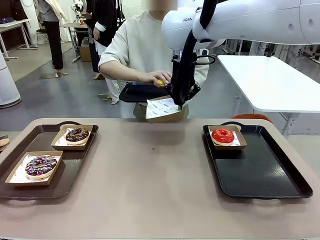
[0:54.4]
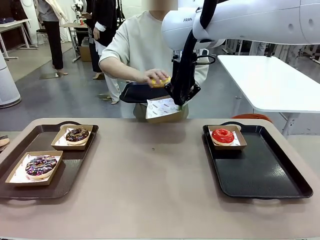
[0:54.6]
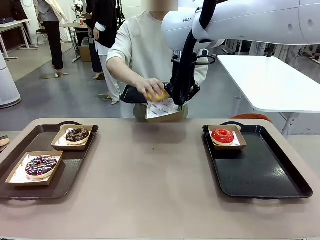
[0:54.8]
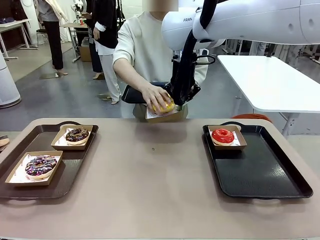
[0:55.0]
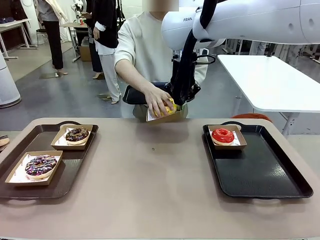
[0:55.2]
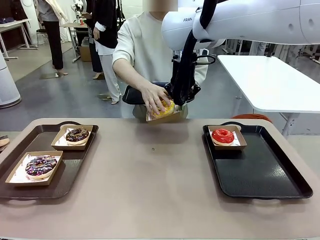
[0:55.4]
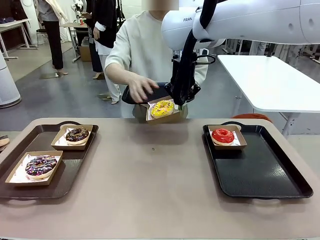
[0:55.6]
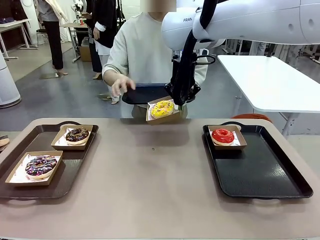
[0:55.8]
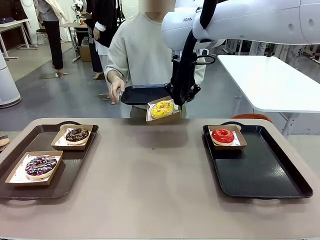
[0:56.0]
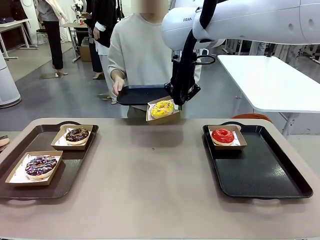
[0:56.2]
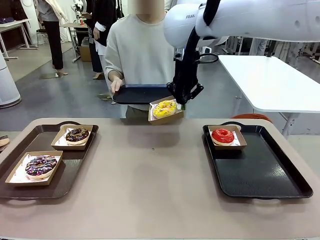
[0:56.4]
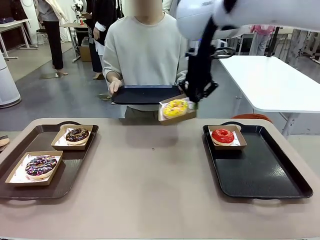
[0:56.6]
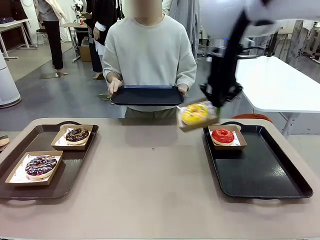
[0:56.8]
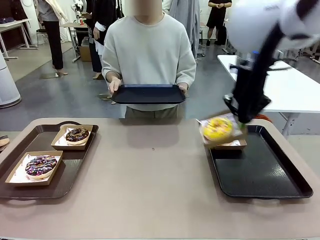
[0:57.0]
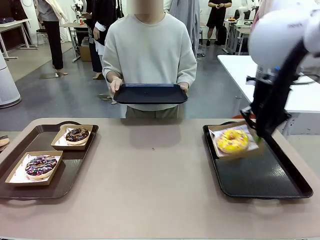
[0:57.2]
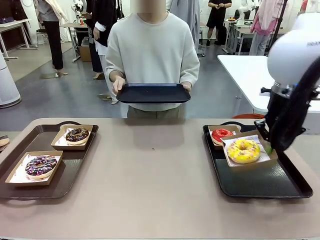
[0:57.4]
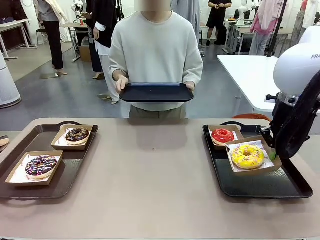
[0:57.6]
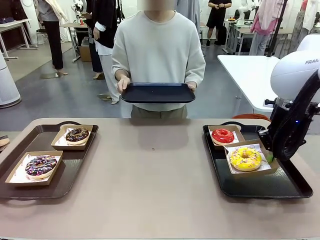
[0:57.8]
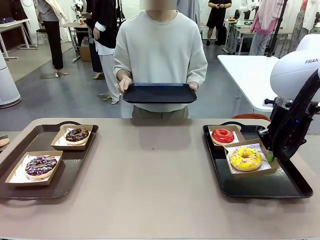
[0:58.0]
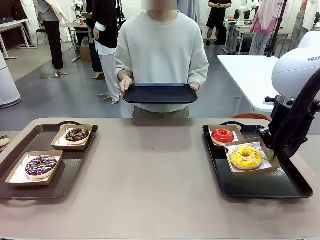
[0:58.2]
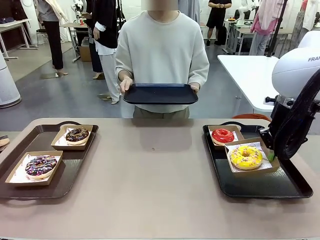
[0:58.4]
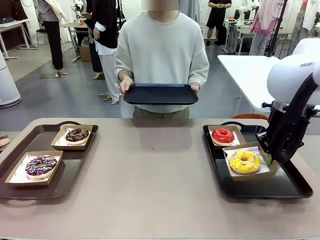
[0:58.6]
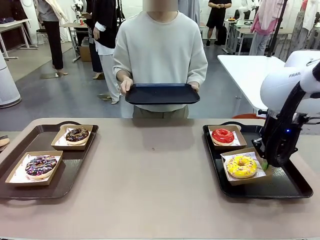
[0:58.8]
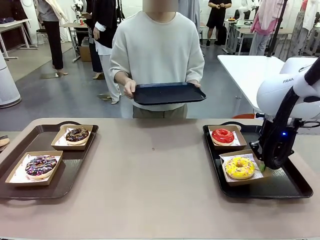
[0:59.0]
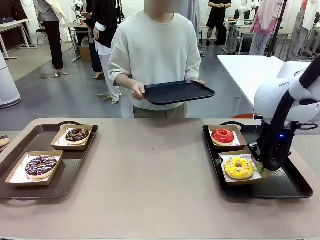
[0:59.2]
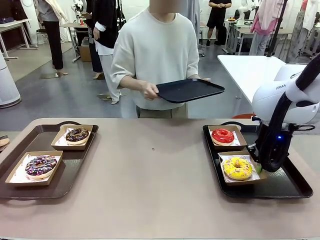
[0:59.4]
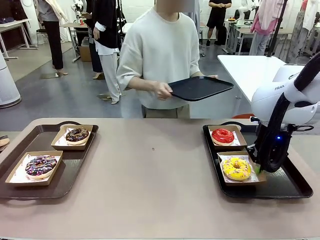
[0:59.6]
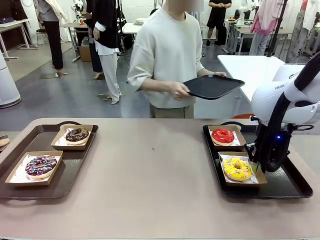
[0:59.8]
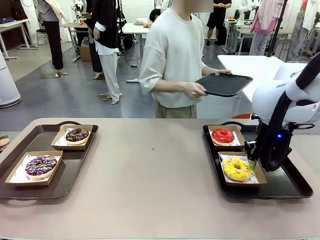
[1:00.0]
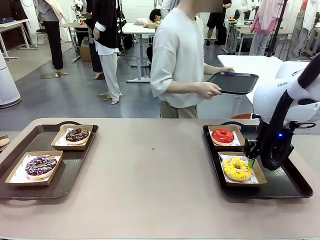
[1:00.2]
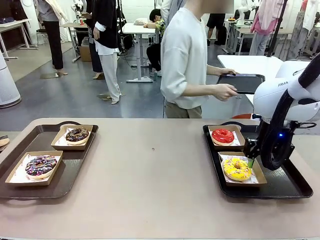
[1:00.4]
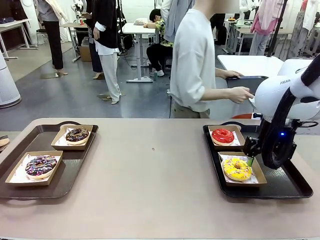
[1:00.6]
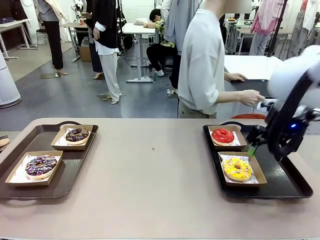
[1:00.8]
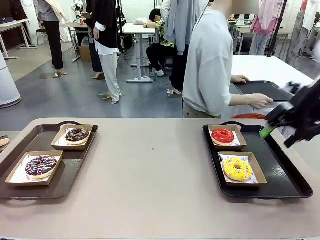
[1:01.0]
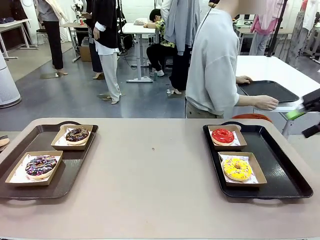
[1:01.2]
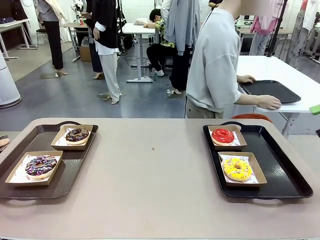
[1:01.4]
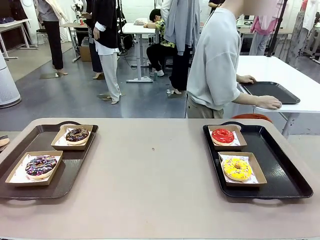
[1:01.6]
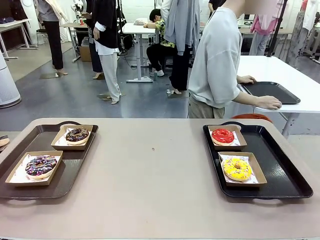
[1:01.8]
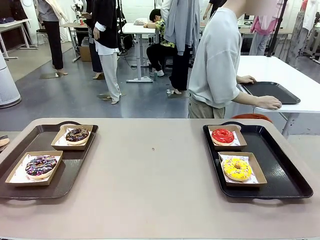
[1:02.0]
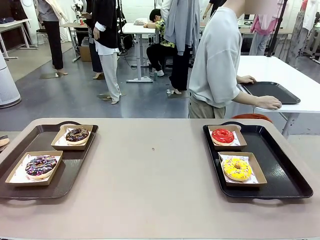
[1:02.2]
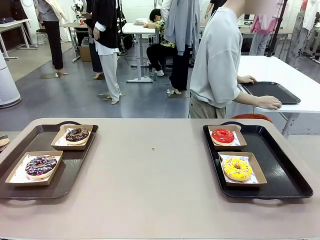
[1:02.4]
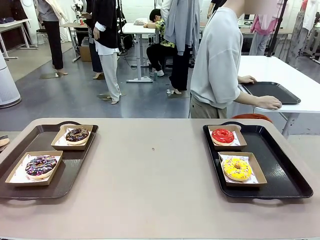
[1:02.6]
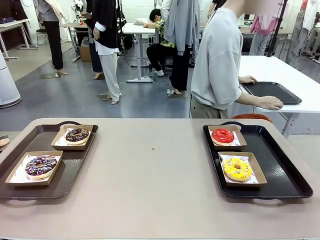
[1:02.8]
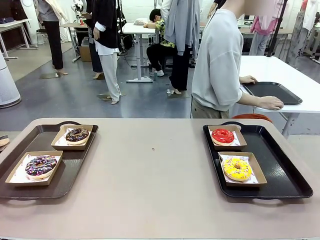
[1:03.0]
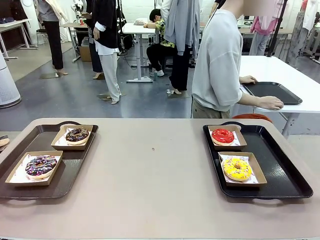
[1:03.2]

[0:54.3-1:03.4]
Task: Individually package the donuts and arrange them on the tray.
Robot: Place the picked Paper togo box on the Handle tray.
Person: Place the tray down in the middle of the human table.

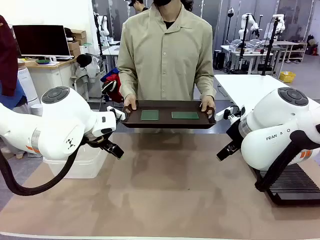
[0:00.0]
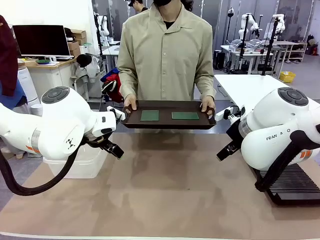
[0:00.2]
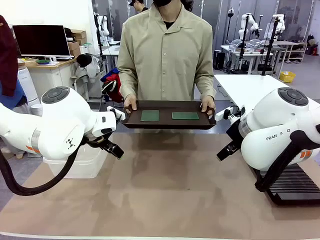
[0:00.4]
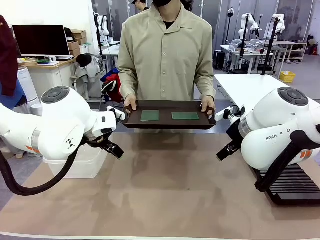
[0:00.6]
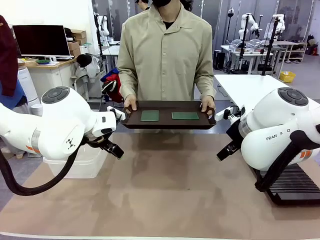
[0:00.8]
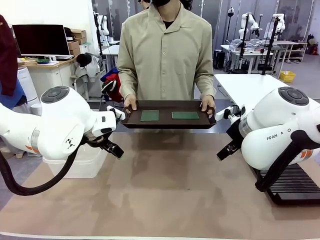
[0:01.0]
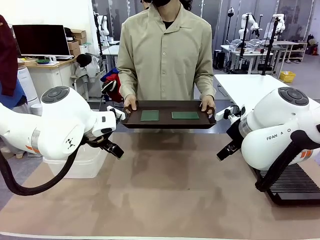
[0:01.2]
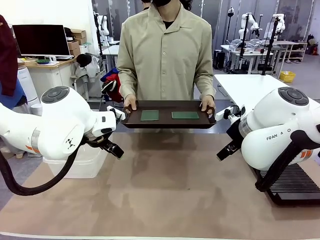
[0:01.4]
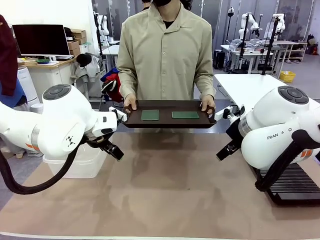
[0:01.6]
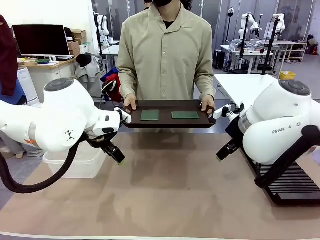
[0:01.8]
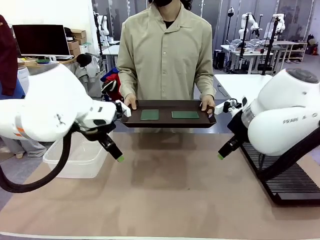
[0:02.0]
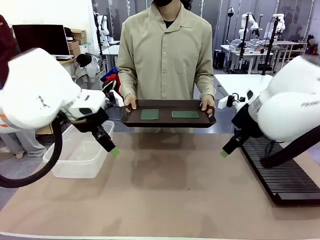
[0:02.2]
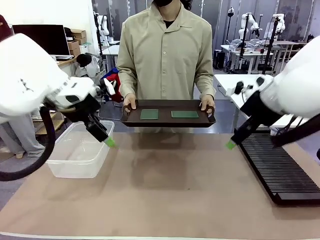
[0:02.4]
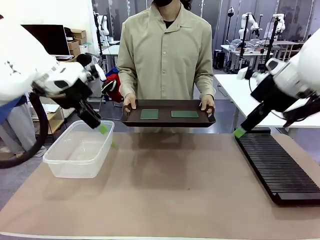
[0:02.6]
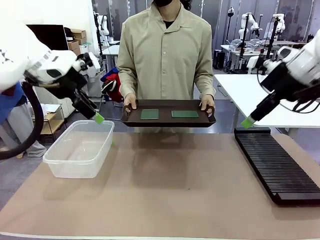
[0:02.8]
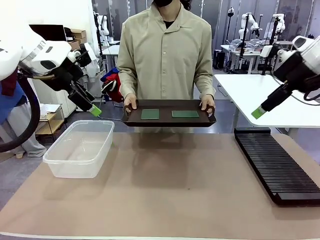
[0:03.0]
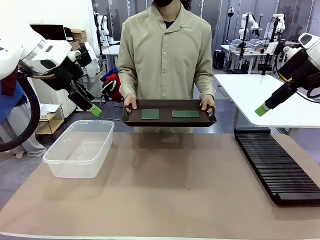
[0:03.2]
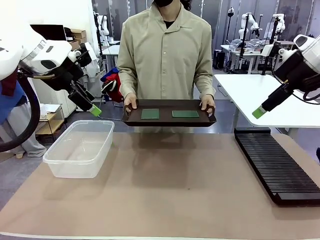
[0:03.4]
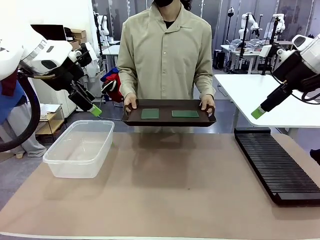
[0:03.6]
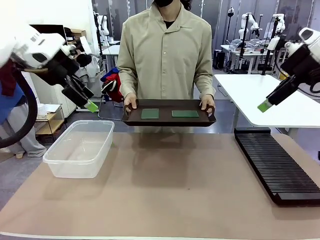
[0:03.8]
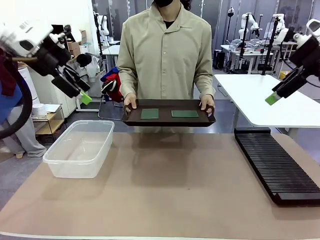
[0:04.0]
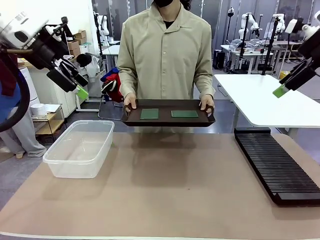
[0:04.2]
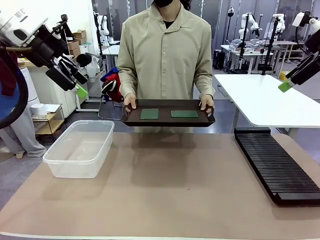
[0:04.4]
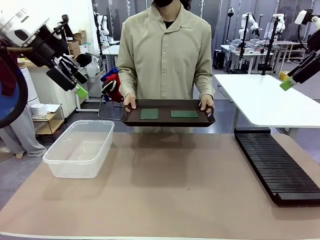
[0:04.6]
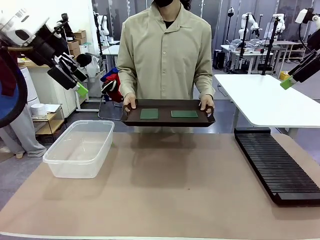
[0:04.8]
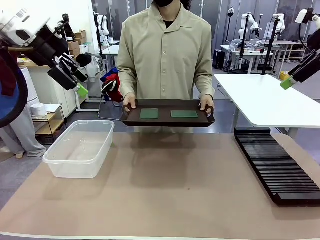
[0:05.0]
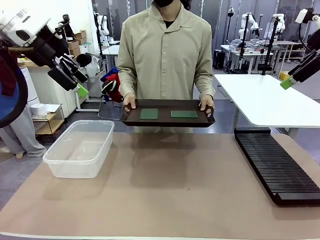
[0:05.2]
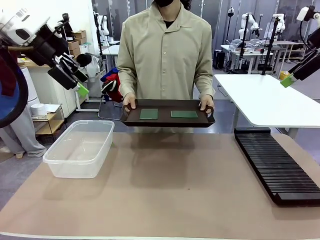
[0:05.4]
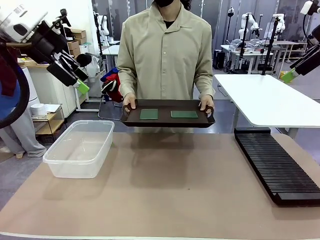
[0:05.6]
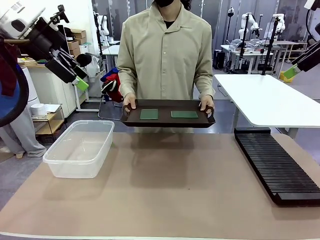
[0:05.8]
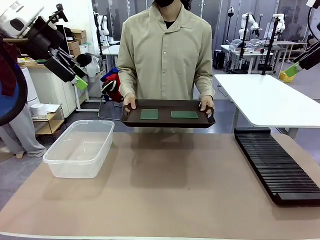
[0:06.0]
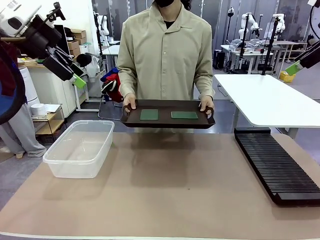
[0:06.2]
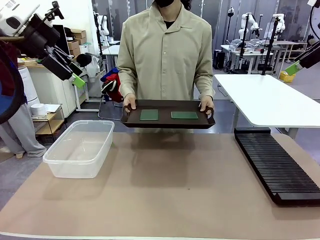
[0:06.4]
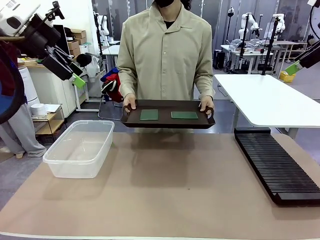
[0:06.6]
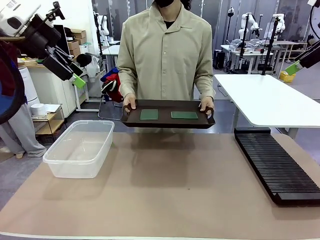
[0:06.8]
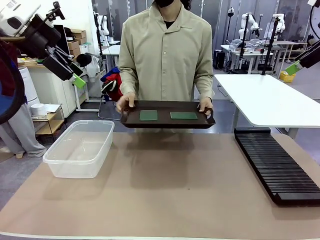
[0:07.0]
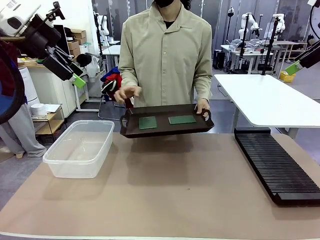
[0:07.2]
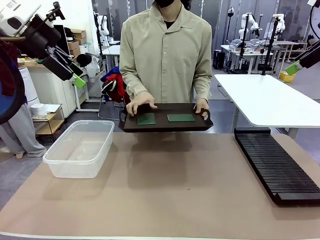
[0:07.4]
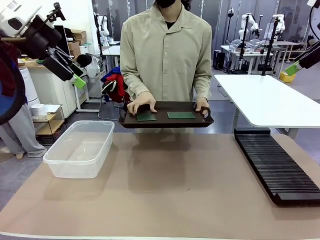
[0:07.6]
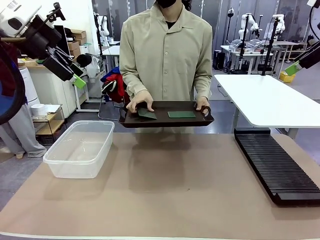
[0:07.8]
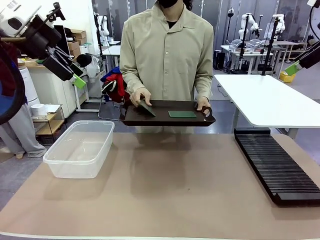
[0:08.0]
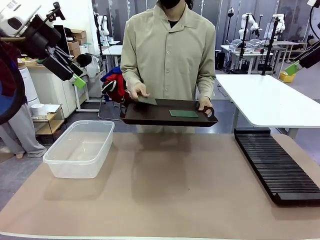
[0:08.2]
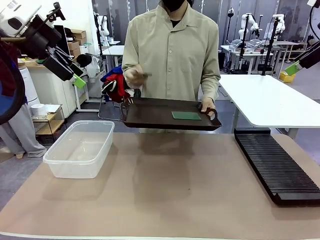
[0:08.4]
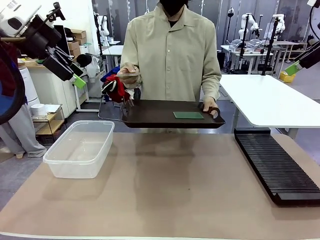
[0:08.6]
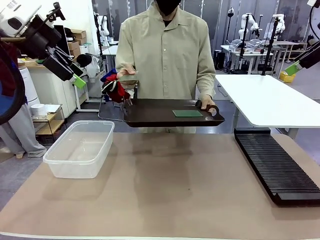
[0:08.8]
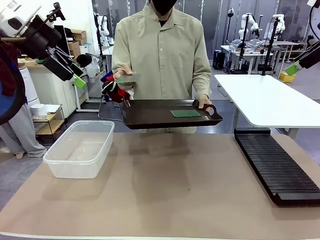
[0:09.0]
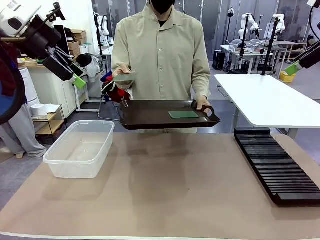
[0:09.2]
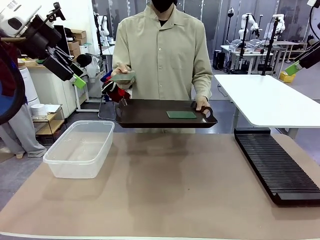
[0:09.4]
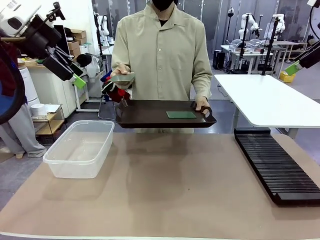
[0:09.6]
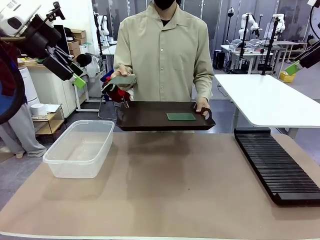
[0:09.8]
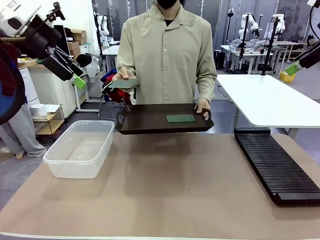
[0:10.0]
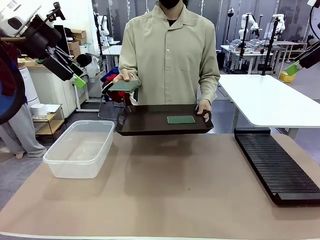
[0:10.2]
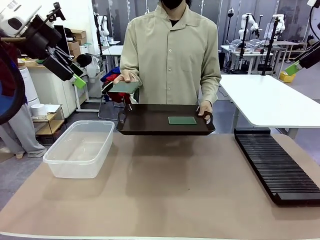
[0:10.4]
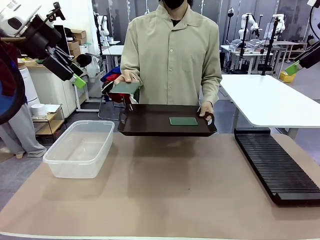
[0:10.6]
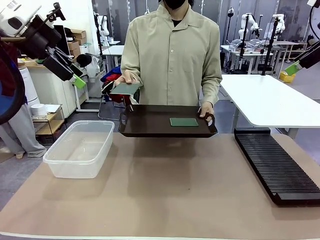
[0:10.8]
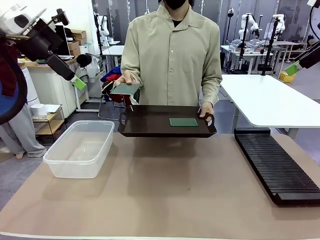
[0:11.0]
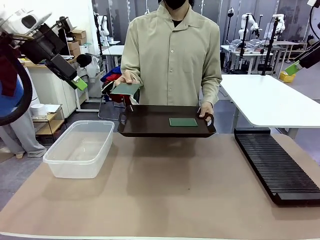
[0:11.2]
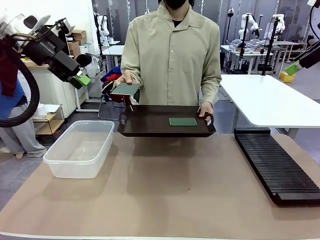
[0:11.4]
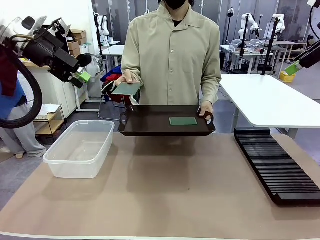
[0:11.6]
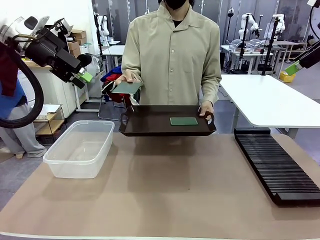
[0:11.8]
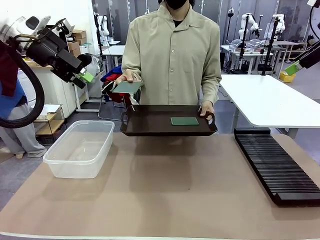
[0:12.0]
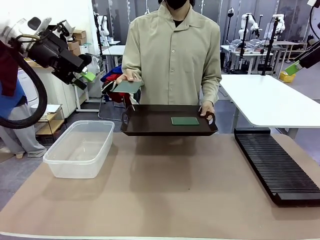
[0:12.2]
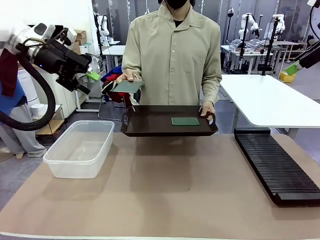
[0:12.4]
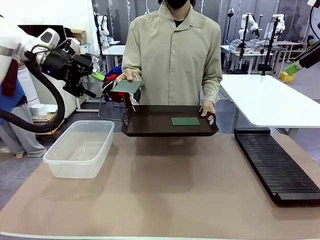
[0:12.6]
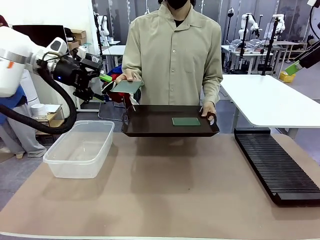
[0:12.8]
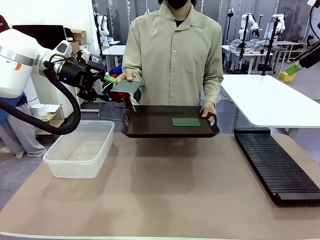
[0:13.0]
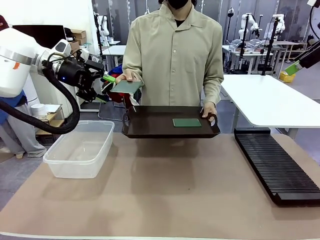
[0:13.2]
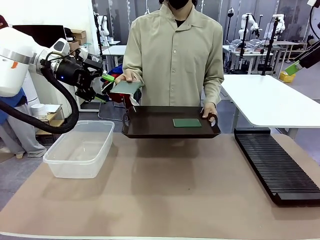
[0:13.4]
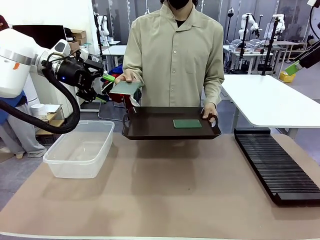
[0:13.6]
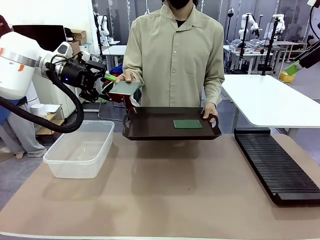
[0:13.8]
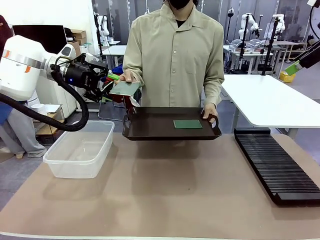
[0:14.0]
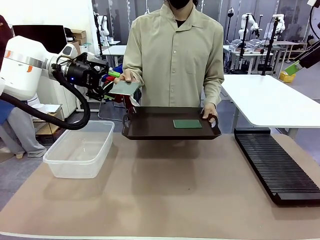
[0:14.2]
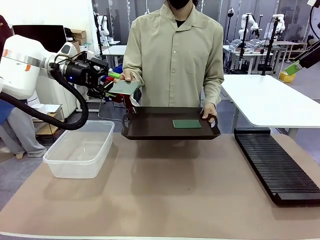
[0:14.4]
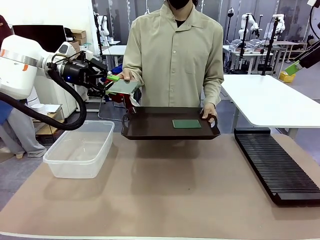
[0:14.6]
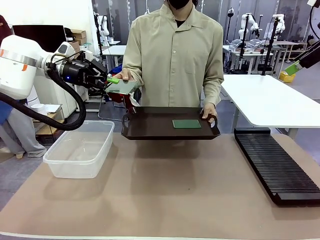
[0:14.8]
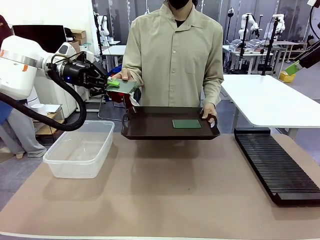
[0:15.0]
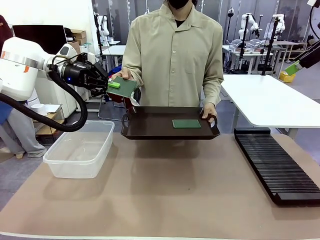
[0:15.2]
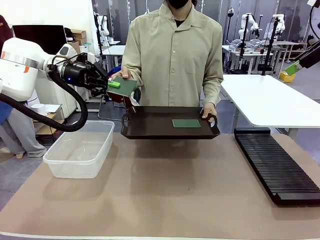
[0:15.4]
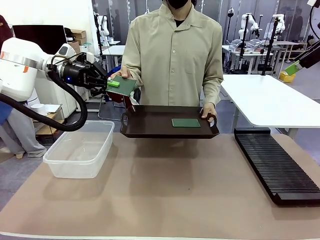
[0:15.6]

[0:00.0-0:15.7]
Task: Sort PCBs into racks and boxes based on the side picked up.
Robot: Pick up the Blank PCB handed by the Human.
Person: Pick one PCB from the tray and present it to the robot. Release the PCB being held.
